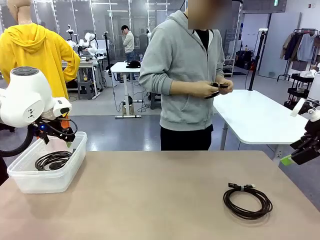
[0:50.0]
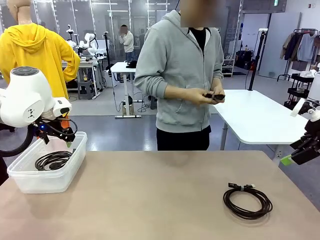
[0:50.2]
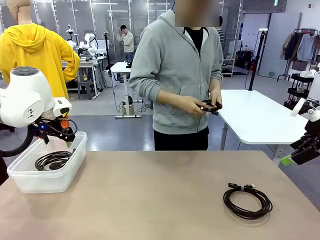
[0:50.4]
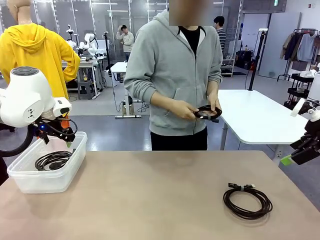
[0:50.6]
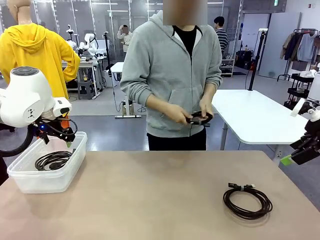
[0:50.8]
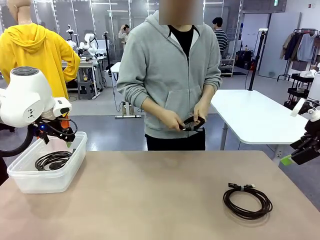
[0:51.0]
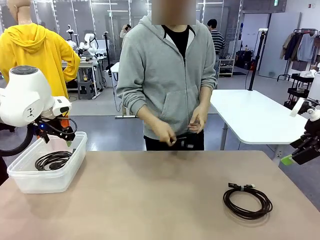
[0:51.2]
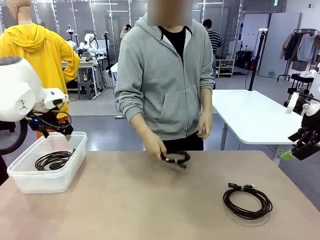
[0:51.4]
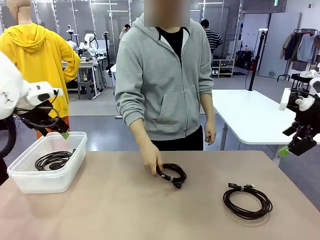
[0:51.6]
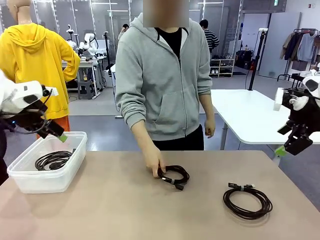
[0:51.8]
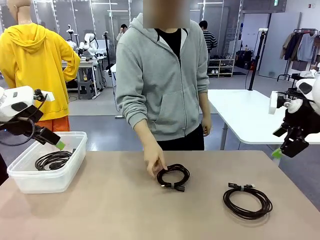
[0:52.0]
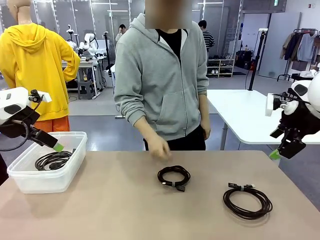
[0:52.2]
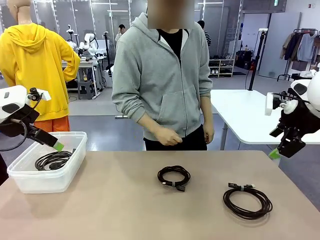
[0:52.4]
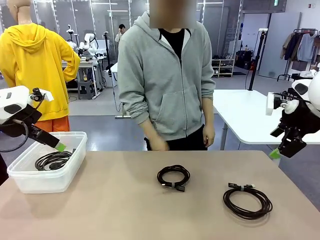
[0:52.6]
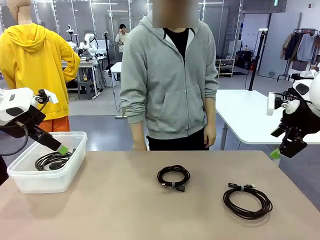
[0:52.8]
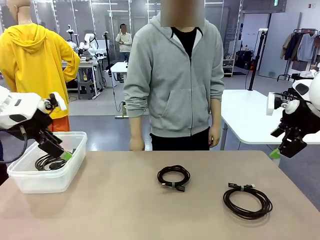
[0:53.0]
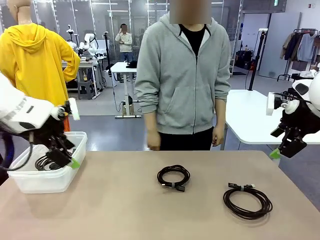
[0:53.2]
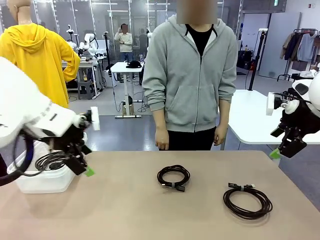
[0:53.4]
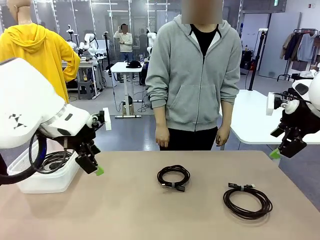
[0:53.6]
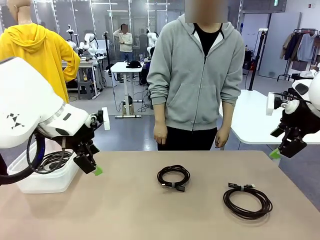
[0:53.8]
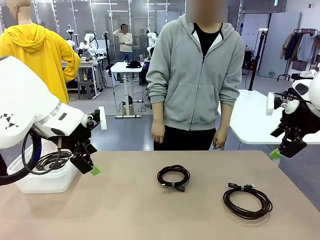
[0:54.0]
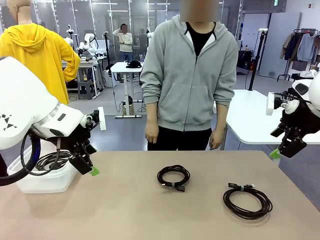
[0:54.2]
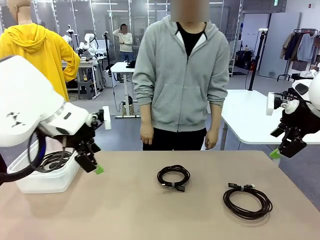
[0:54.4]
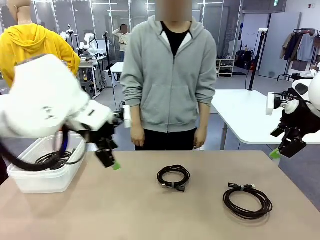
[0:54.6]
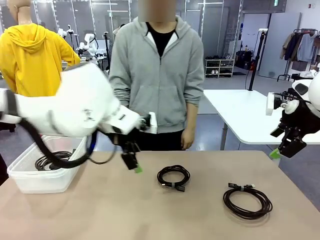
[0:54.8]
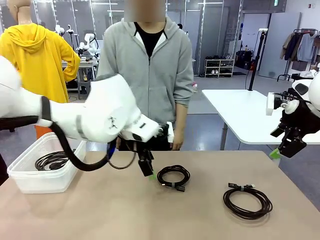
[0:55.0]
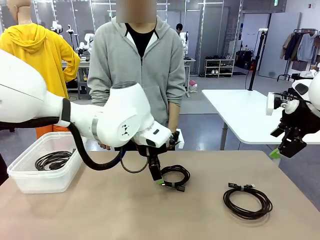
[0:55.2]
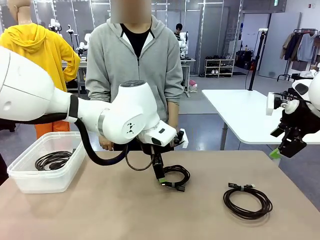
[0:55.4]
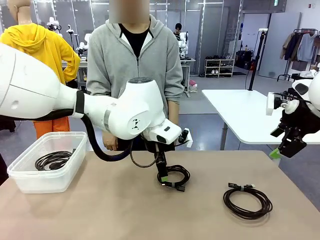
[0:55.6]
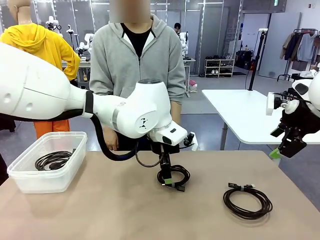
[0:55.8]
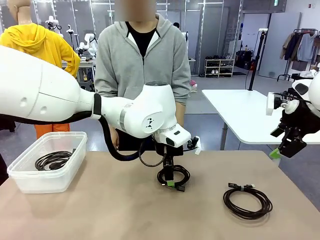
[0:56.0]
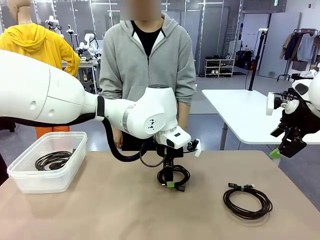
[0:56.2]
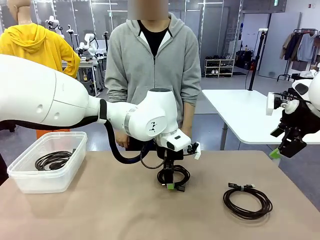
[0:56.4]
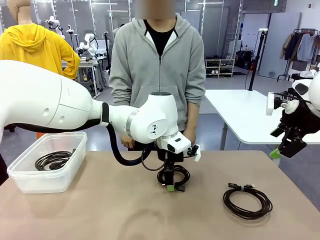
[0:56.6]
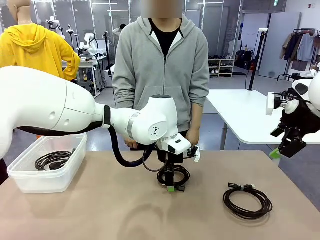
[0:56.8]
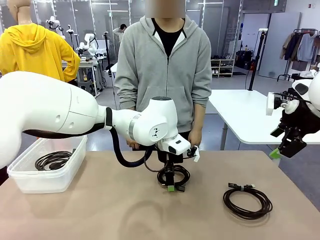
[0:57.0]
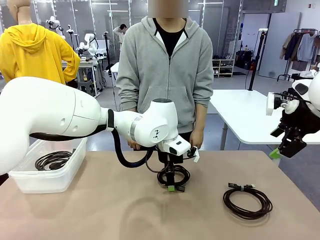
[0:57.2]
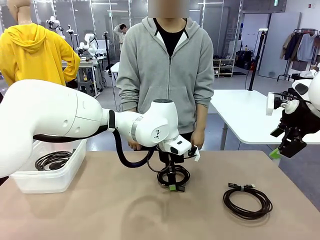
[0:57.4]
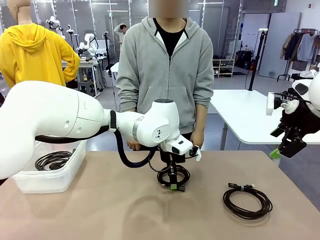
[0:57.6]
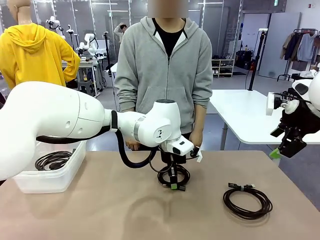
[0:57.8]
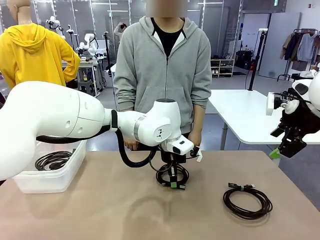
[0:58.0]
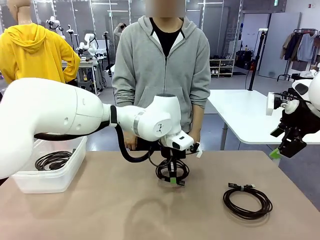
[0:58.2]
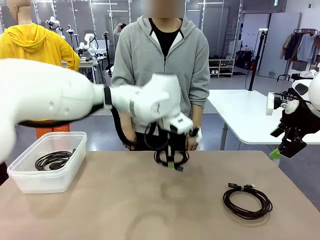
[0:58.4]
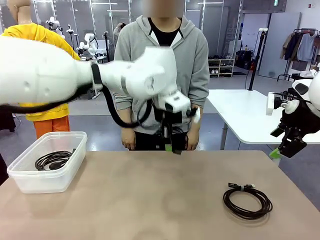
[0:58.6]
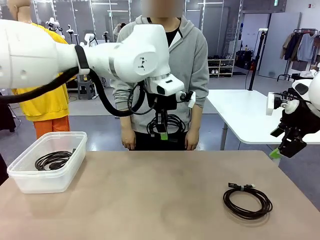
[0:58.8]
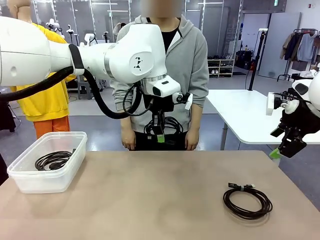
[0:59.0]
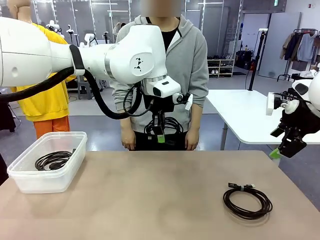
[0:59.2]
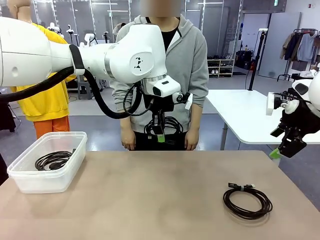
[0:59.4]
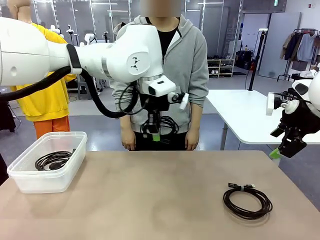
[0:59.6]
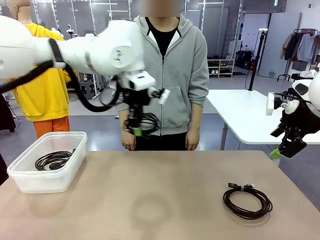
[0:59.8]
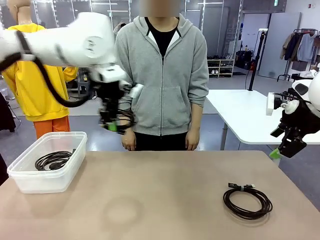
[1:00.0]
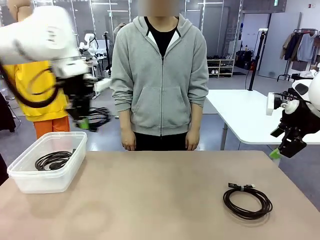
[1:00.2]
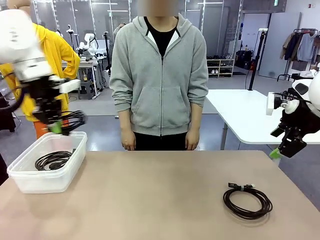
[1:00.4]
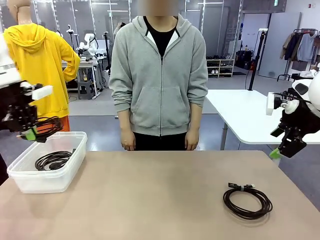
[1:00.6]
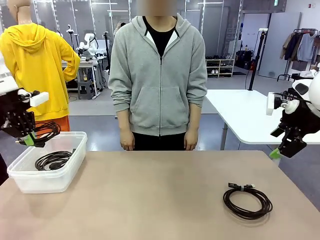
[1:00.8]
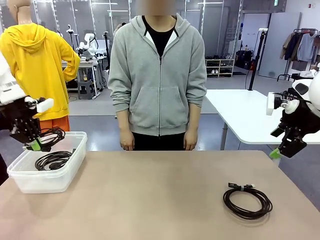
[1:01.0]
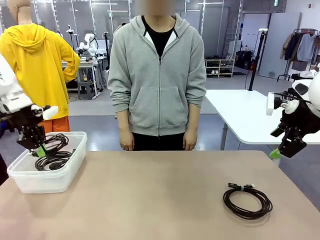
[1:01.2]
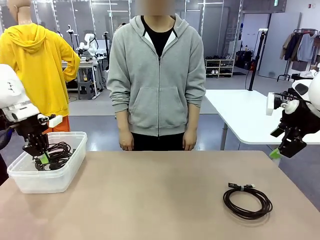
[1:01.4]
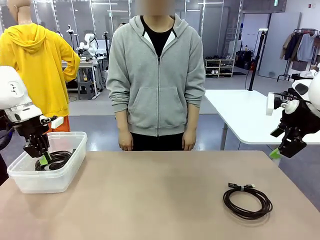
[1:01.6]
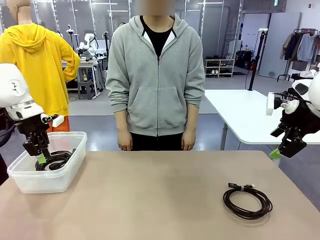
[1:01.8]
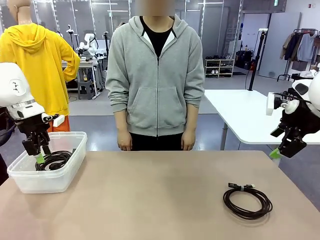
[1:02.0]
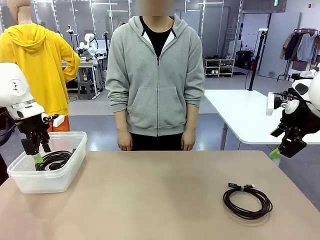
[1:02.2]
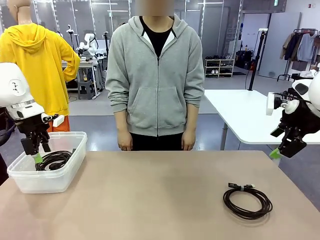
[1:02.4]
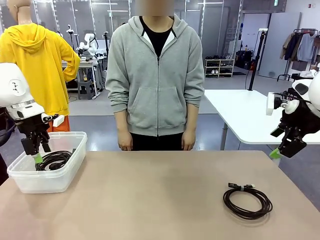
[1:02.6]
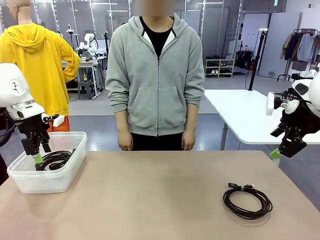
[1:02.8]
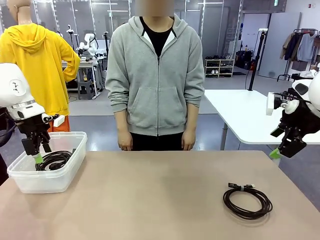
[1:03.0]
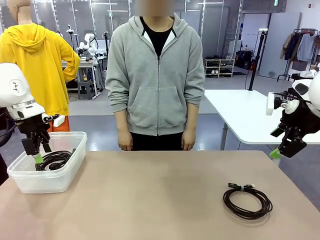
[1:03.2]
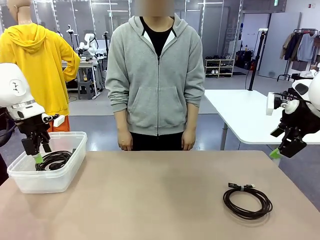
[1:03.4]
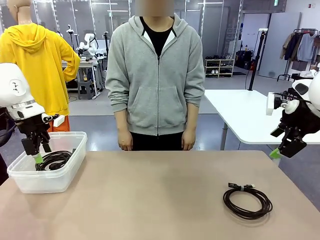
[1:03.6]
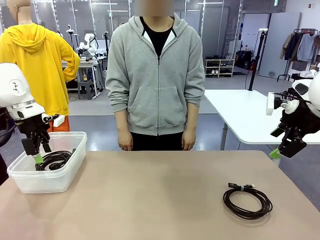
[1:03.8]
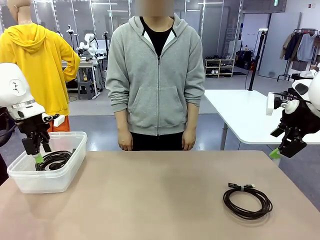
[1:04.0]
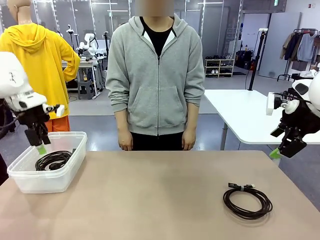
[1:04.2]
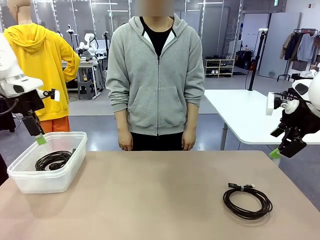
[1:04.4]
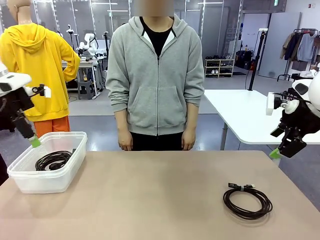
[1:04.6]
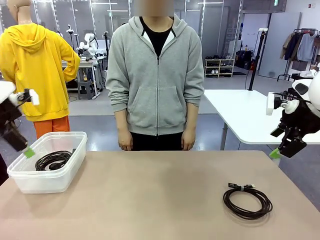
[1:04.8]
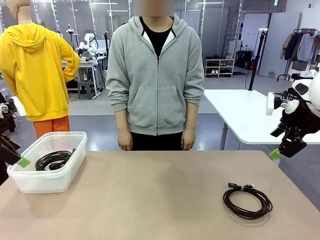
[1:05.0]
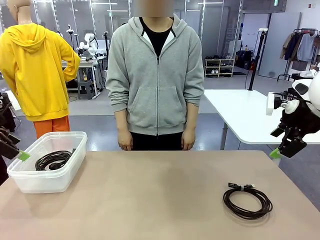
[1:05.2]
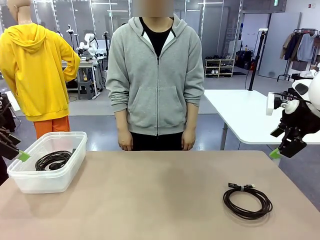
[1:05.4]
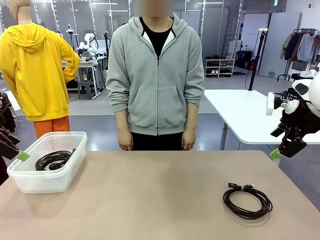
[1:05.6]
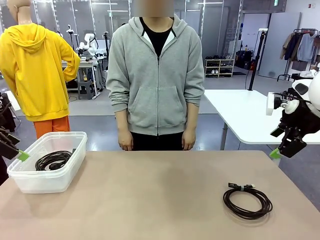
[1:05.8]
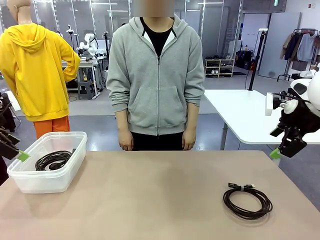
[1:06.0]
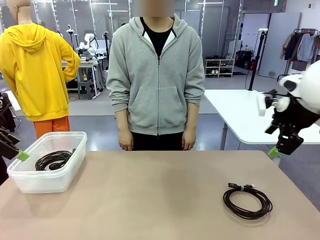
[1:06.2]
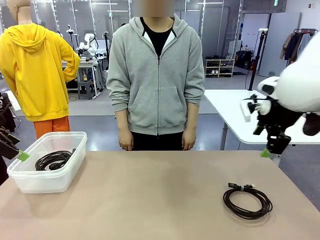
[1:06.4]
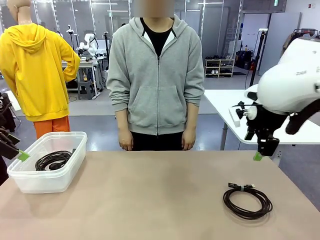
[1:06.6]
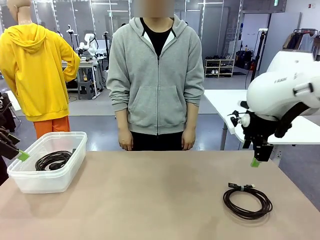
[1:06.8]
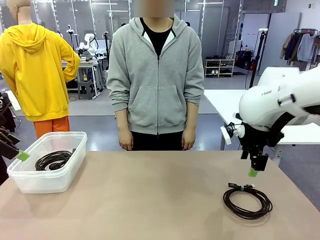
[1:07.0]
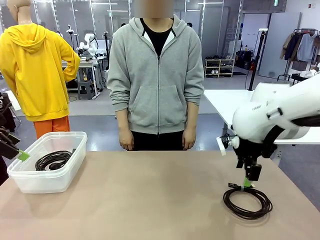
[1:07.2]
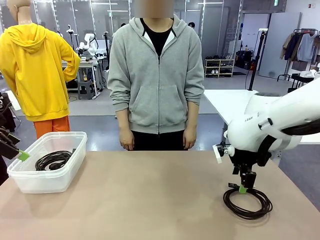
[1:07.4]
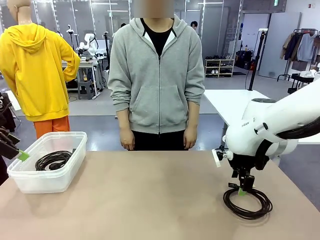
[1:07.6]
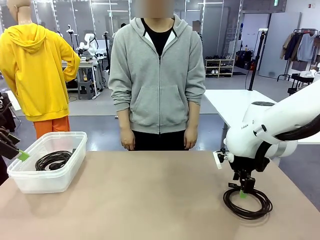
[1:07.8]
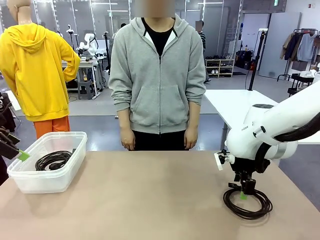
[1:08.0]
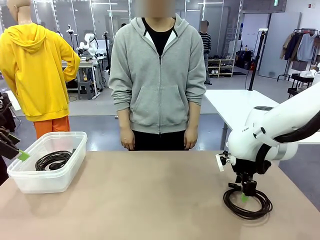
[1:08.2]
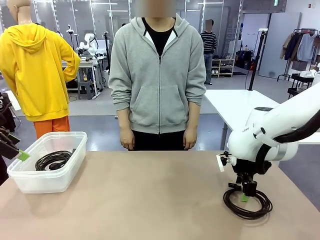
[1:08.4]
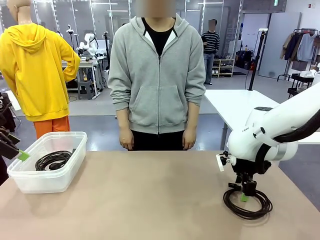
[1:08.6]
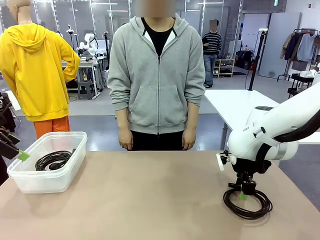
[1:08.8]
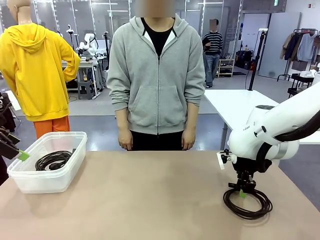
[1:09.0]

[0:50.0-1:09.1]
Task: Organize and store the cables.
Robot: Place the USB Extension Cable into the Organizing box.
